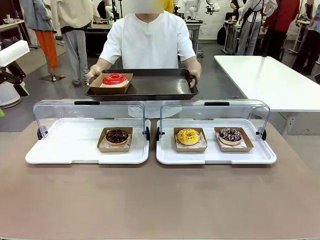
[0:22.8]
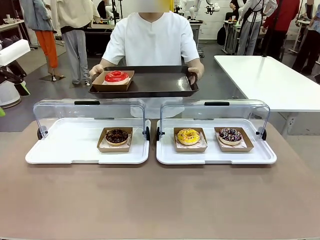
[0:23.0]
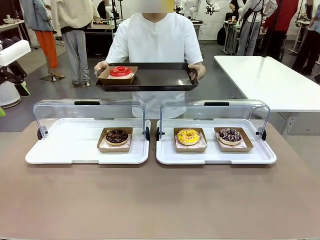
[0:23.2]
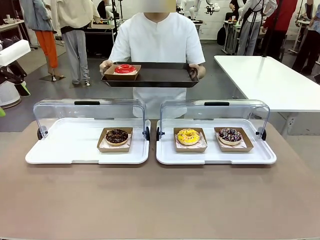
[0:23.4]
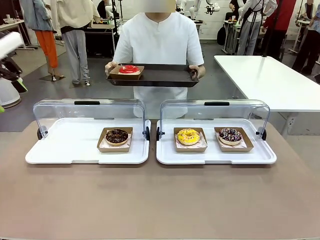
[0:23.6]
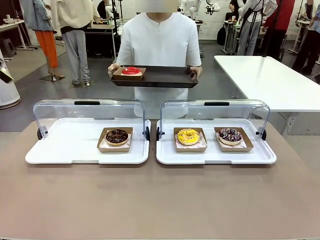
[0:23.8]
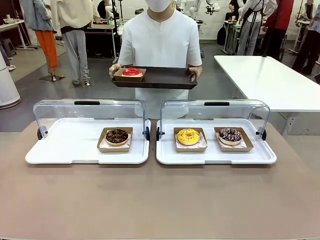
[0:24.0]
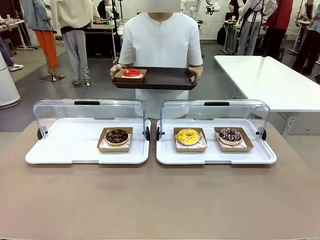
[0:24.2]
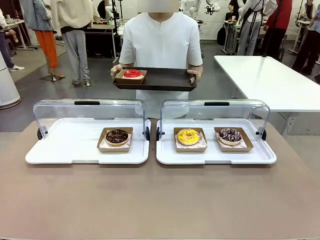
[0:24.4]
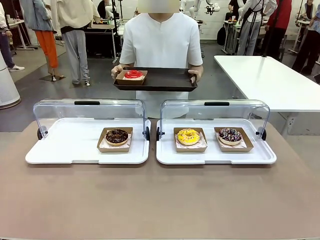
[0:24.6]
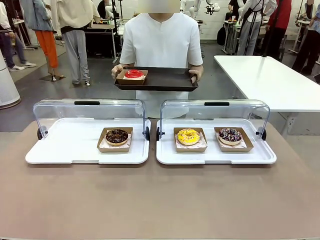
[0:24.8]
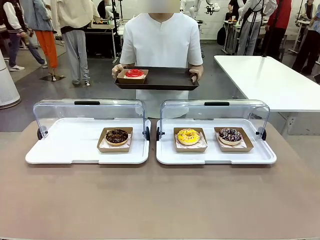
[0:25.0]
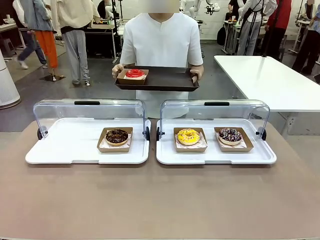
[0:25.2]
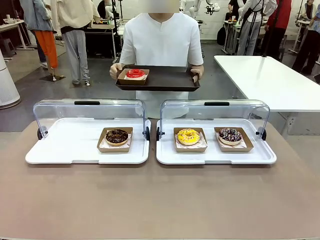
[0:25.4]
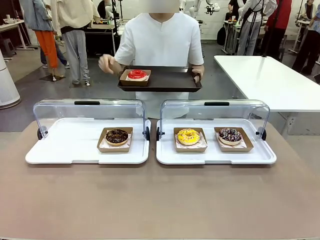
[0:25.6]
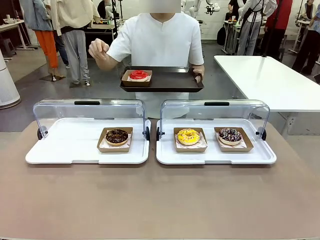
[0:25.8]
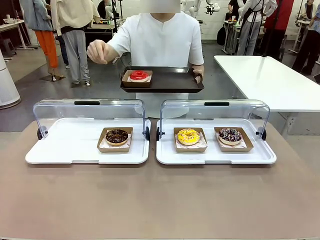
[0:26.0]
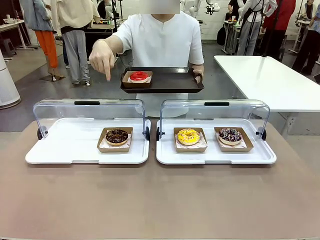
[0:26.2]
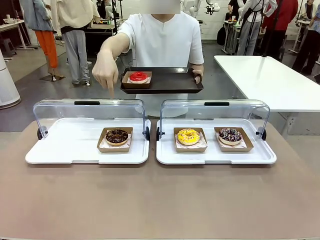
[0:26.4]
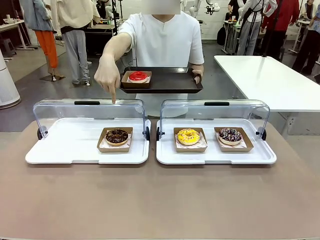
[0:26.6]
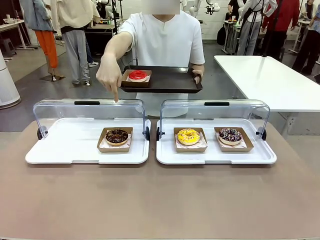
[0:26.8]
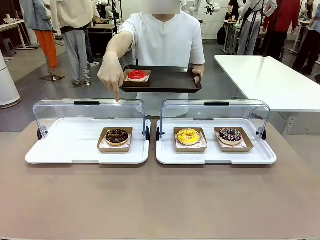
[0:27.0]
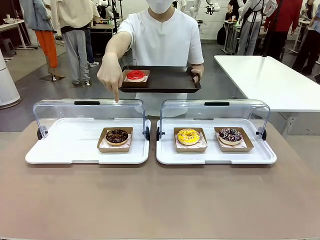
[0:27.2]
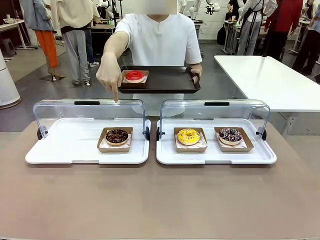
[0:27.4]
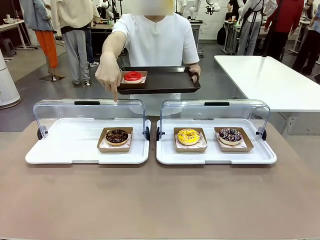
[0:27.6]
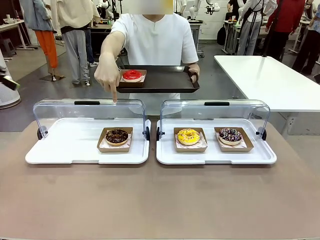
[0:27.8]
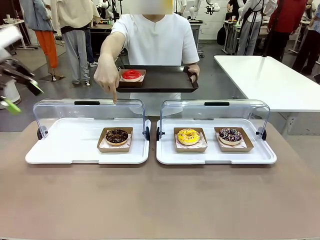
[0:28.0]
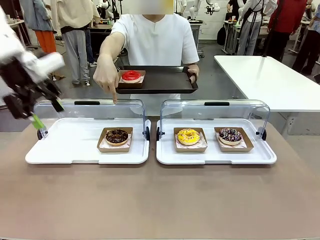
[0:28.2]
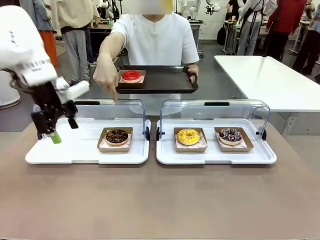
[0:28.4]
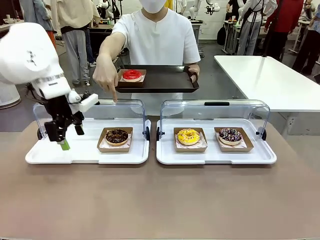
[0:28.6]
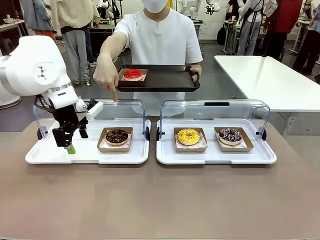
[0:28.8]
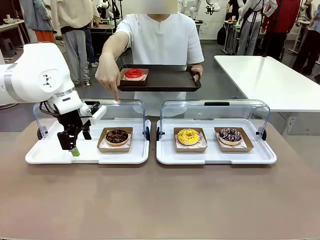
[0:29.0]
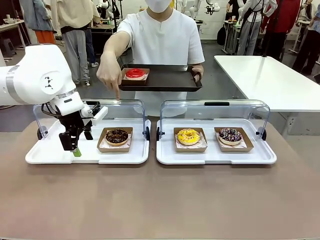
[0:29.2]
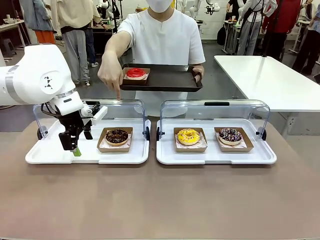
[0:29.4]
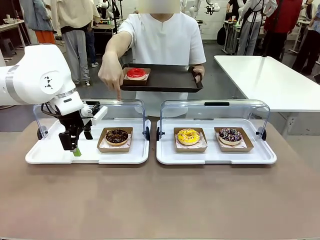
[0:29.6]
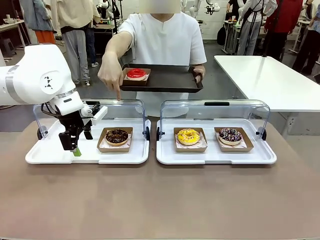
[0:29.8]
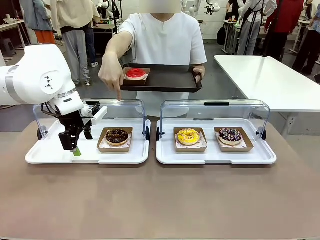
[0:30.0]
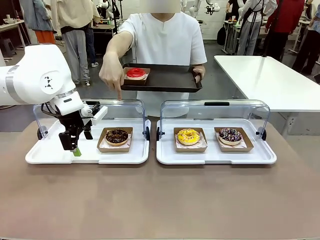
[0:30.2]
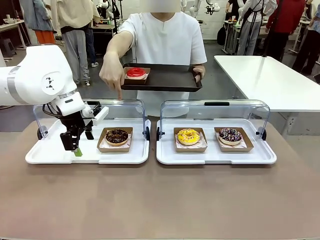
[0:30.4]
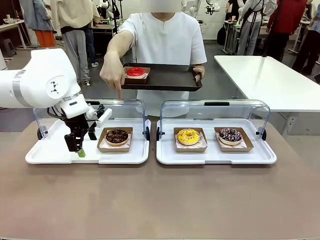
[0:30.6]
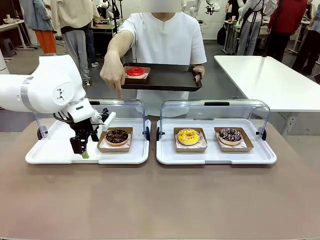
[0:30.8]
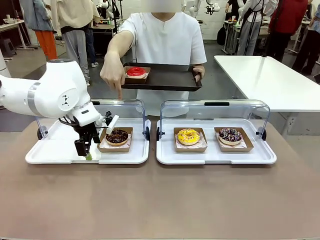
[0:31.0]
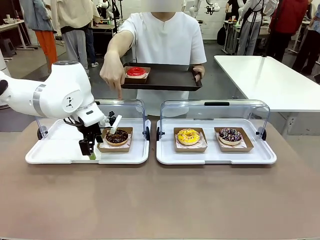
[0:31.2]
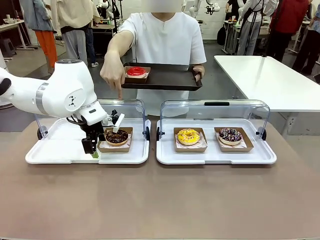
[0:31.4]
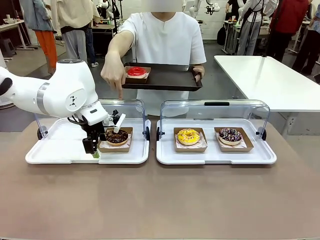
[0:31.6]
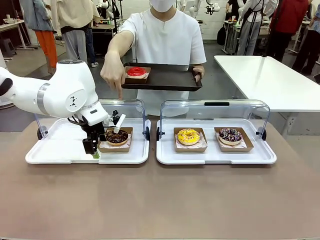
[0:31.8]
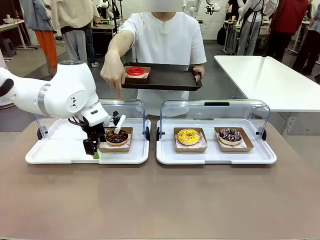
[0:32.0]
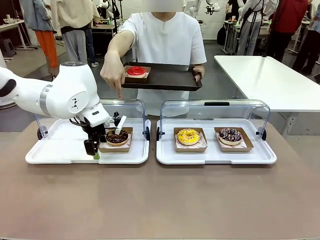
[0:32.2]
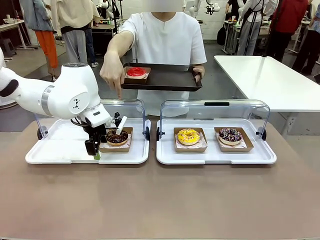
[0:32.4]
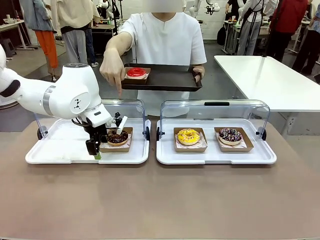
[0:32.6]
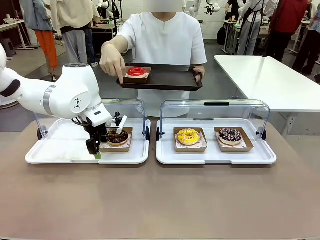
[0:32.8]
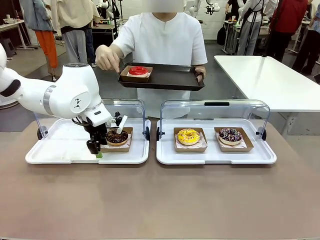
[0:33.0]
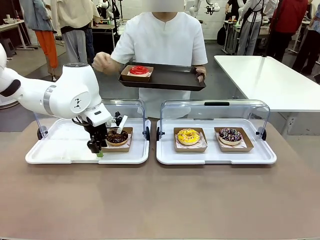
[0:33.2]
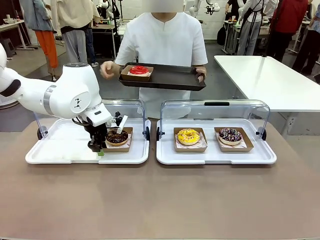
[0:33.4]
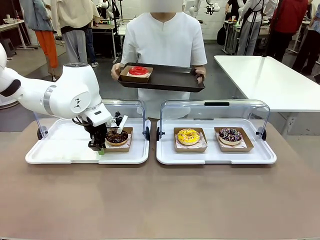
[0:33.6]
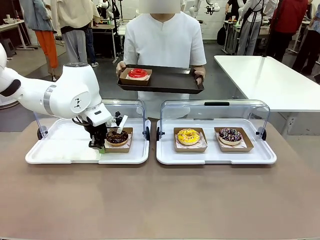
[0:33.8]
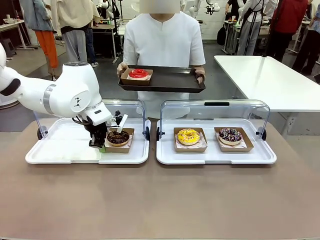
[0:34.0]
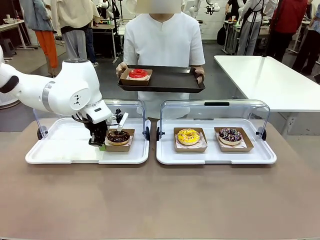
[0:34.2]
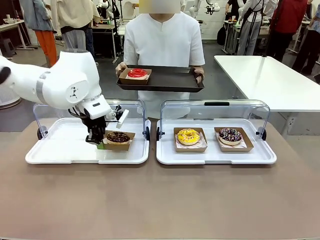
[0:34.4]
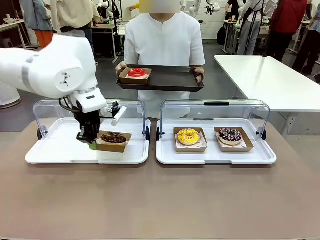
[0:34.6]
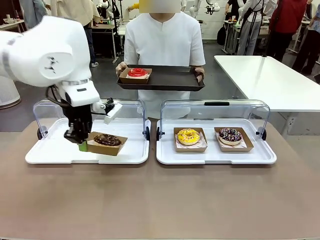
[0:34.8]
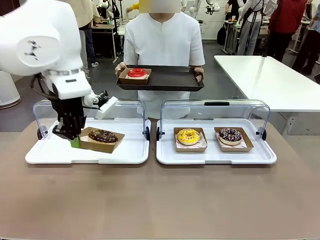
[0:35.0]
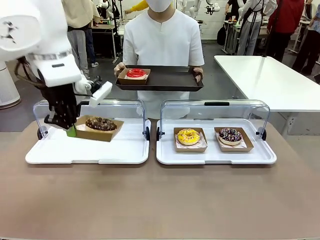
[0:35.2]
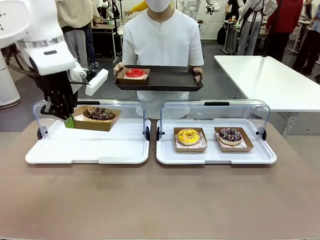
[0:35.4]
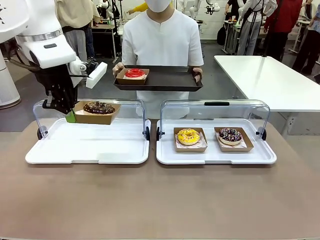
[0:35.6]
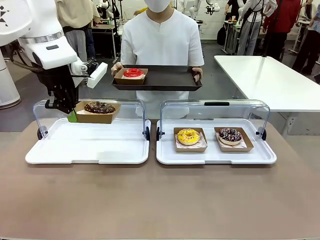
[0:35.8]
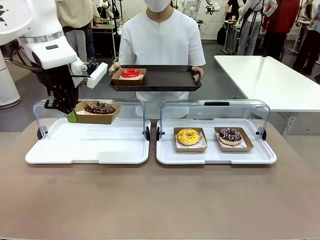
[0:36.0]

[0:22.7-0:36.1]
Task: Provide the desired donut to the person.
Robot: Pick up and lift the Paper togo box containing the Donut pointed at by the person.
Person: Point to one donut. Lift the tray onto the Roll-Top Bakery Case.

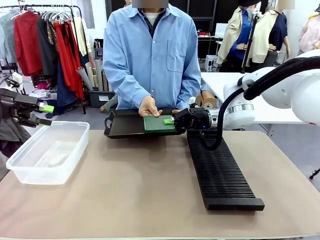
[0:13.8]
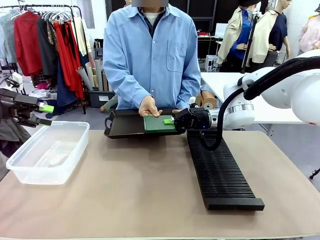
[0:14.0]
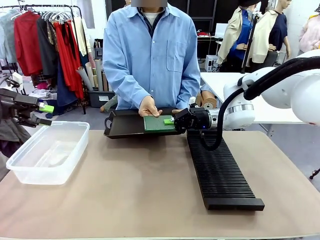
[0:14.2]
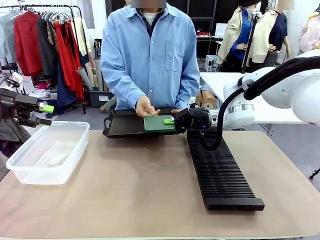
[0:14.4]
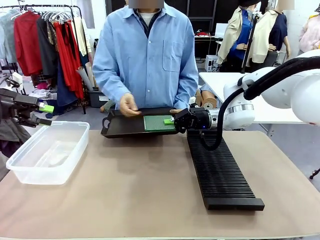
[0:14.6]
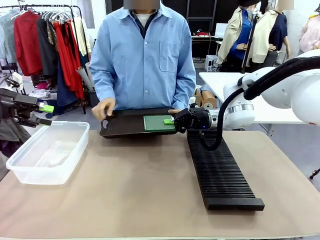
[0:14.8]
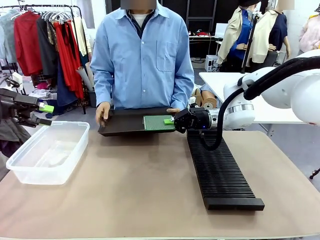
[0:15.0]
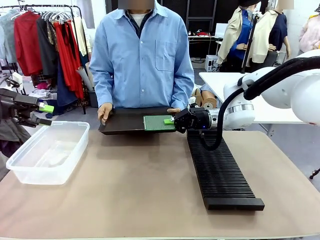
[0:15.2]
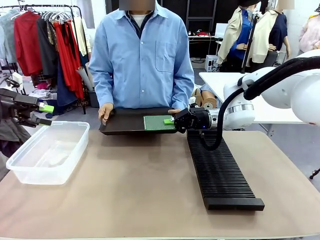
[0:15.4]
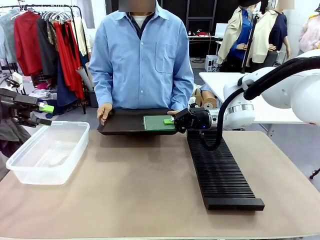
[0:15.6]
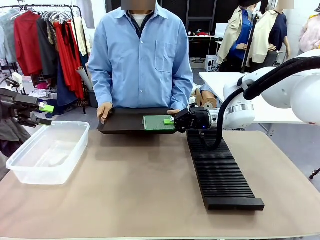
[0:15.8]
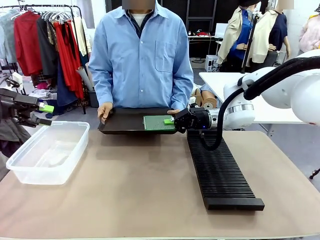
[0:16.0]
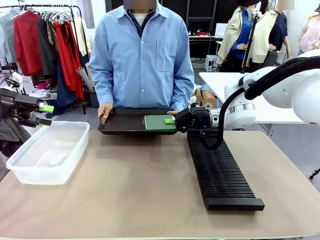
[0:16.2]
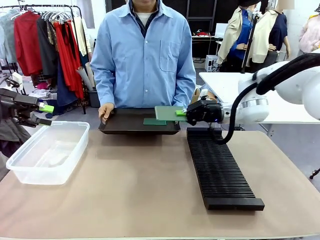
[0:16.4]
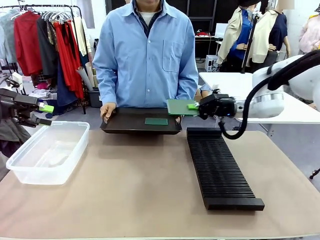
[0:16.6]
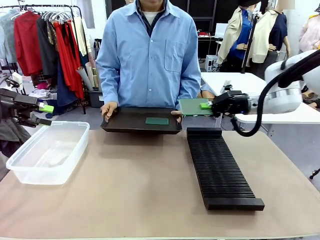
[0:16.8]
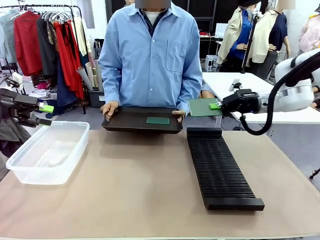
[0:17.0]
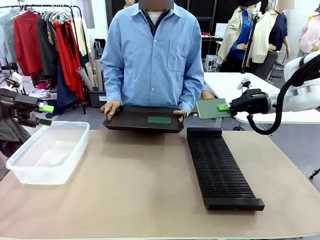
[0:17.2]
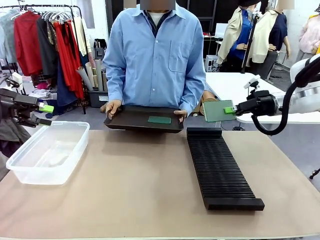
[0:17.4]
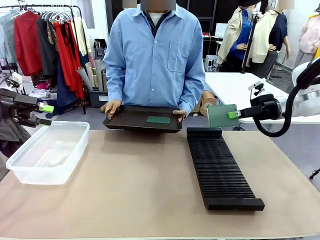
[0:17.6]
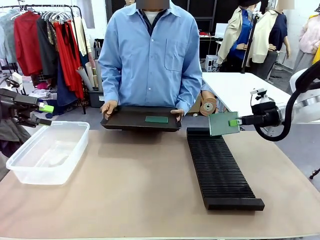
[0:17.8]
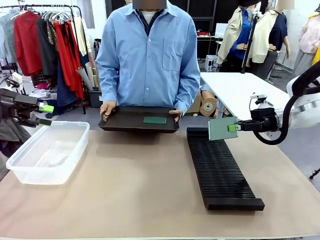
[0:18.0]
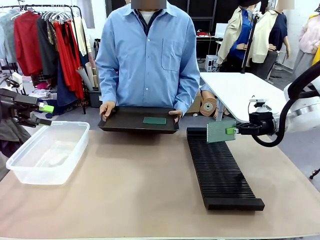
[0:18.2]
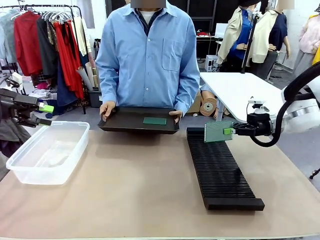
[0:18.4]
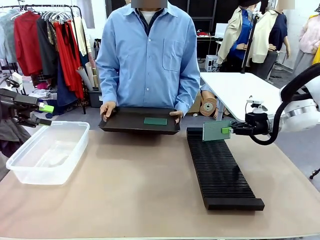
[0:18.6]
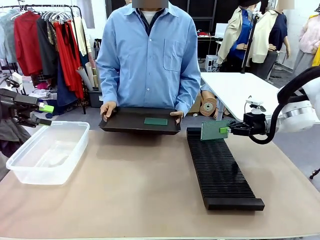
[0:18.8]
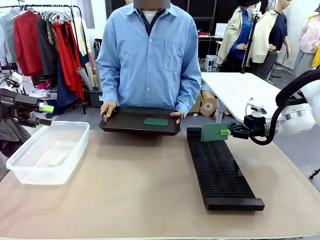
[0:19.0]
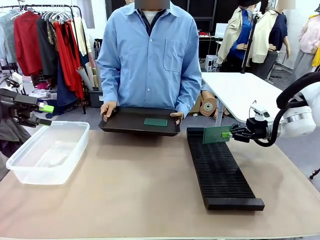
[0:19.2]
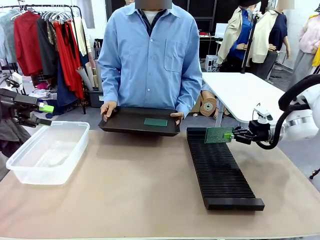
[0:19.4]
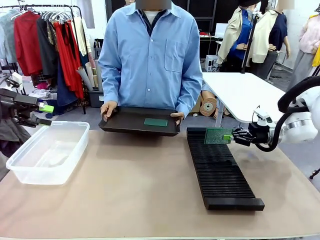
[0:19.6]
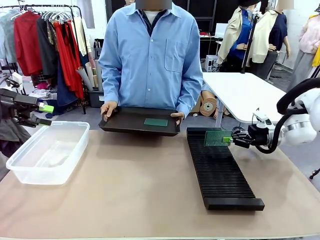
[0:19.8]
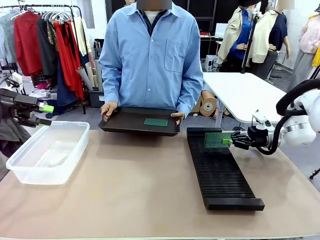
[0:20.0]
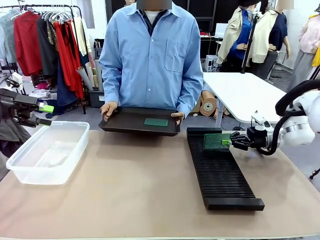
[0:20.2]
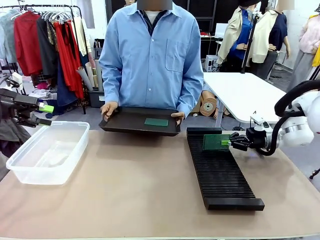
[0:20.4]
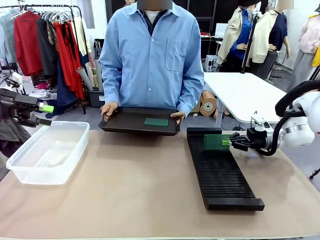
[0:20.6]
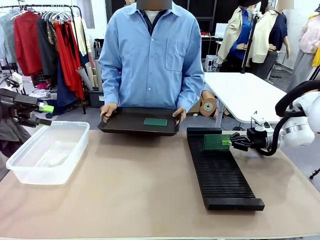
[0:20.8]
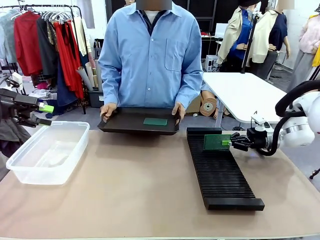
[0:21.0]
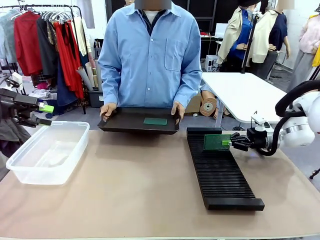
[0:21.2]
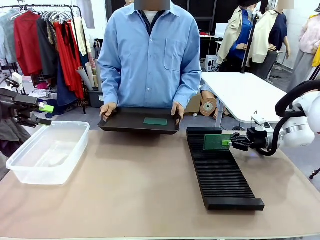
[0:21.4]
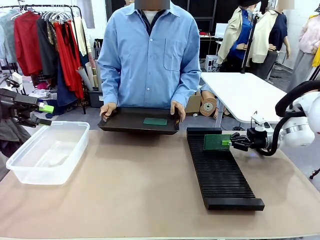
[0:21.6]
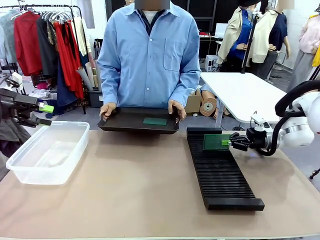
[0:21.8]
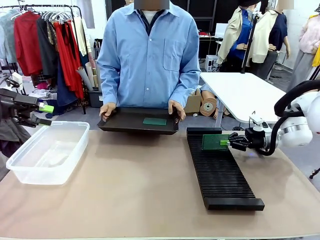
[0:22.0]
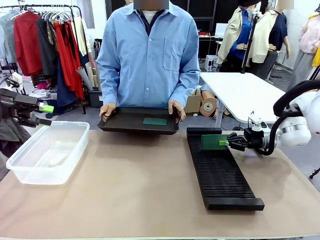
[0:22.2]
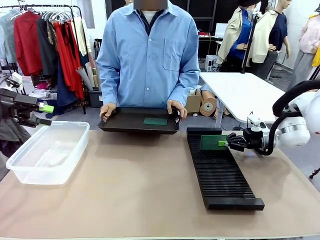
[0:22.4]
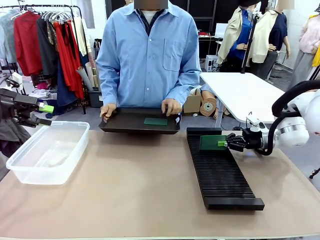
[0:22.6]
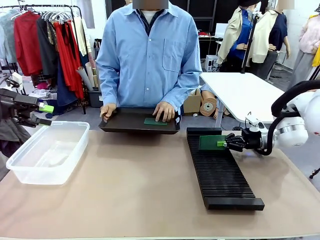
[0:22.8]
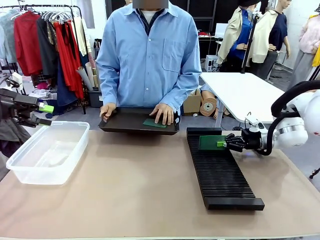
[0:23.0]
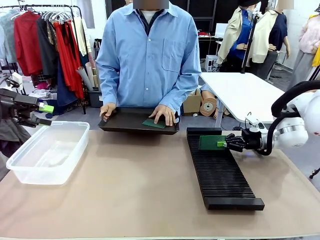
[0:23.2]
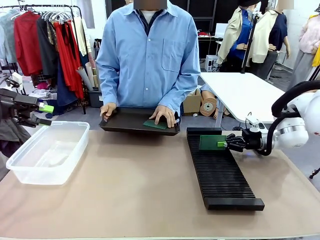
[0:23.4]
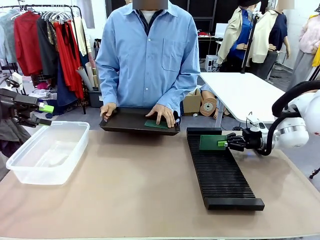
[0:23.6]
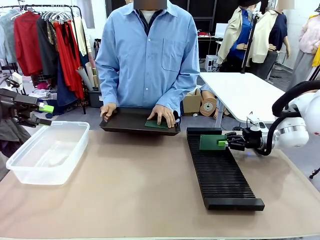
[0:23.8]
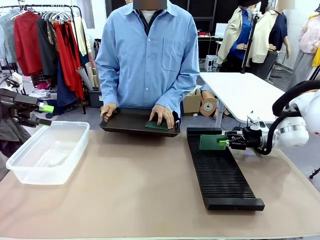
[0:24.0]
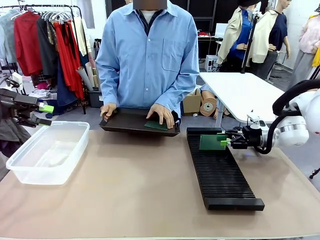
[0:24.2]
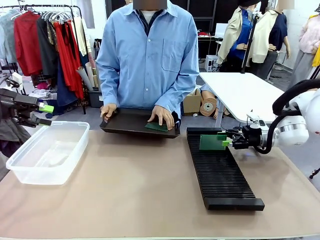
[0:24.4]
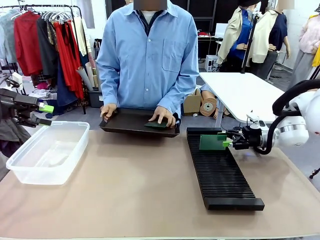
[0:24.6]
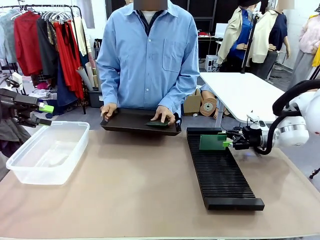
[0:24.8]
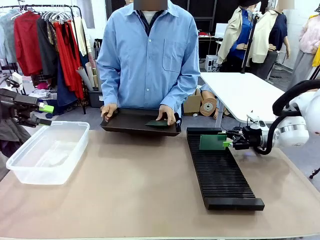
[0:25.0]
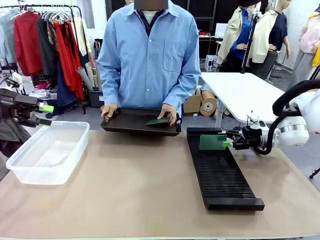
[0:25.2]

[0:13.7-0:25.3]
Task: Sort PCBs into racks and boxes based on the side picked up.
Robot: If the short side of the Blank PCB is picked up, insert it into the PCB Rack ; if the long side is picked up, place it in the Organizing box.
Person: Pick one PCB from the tray and present it to the robot.
